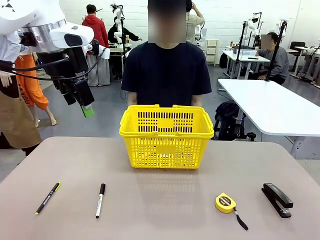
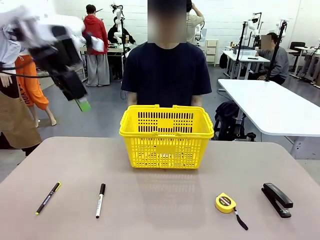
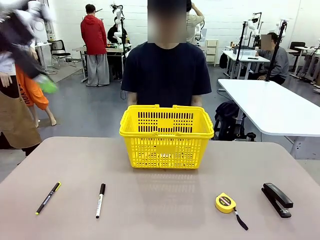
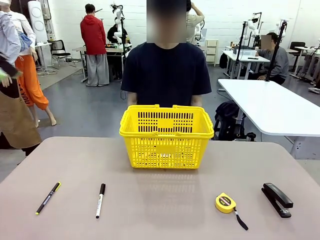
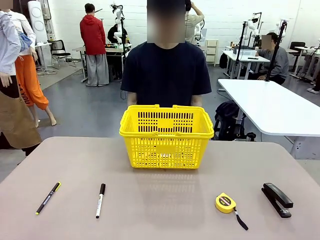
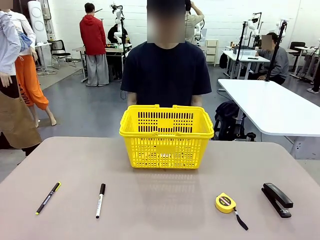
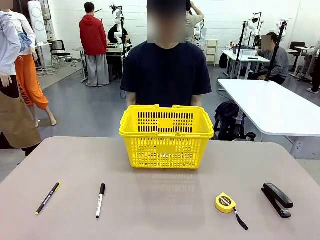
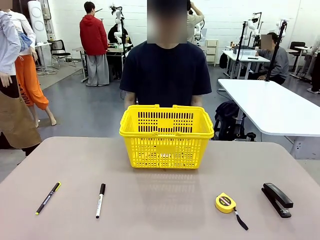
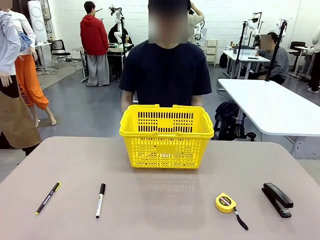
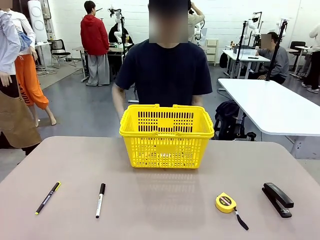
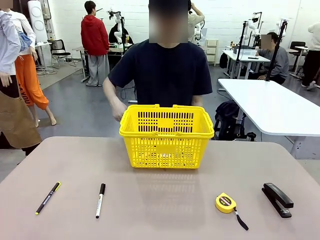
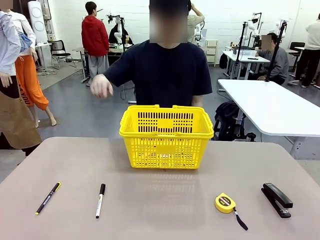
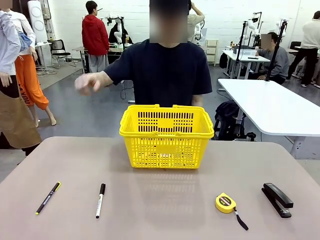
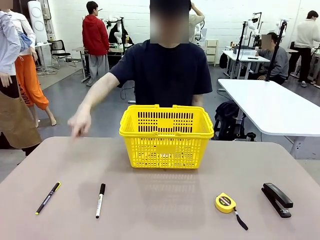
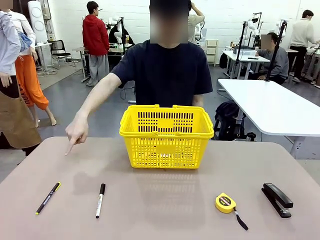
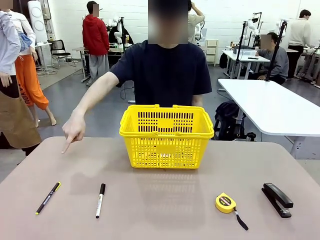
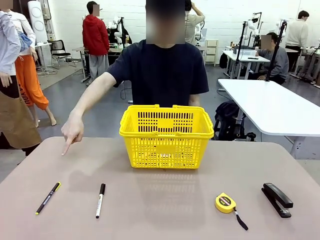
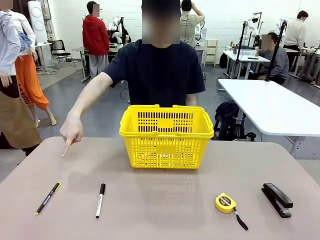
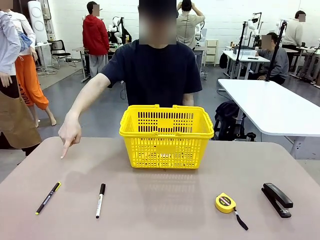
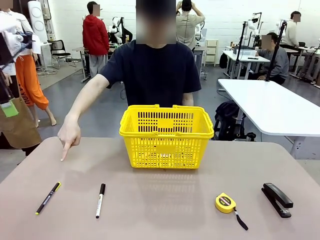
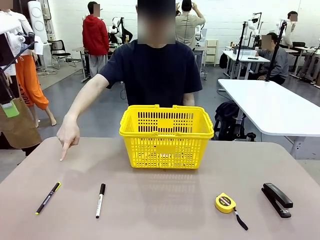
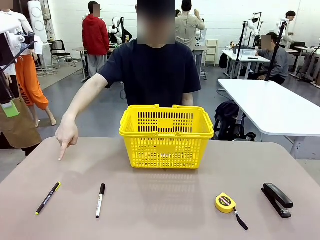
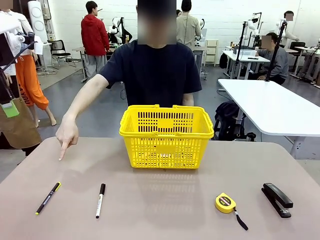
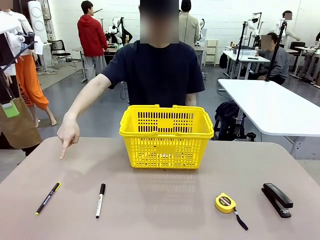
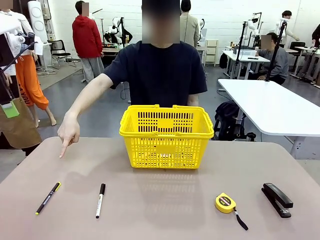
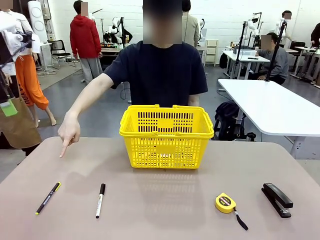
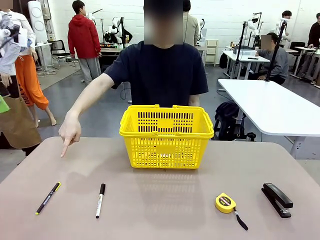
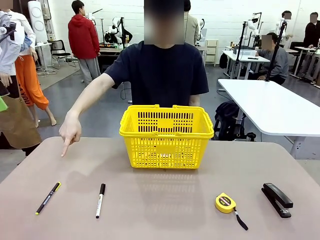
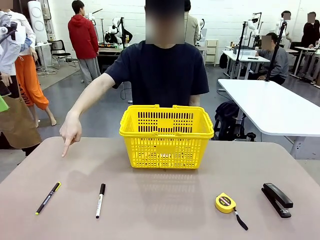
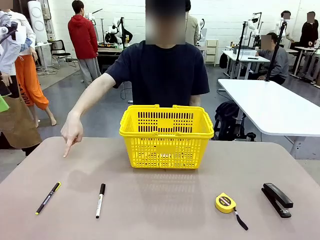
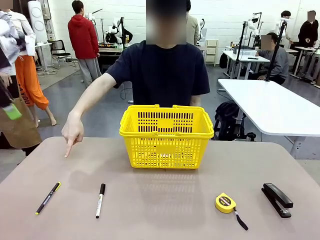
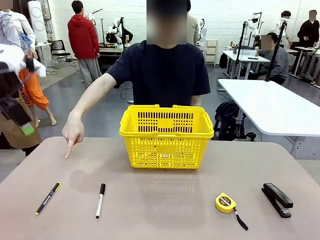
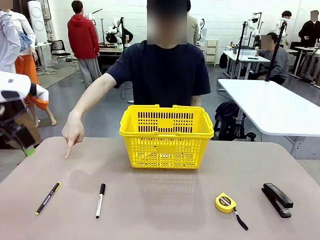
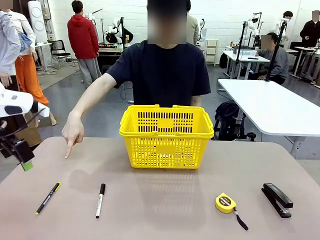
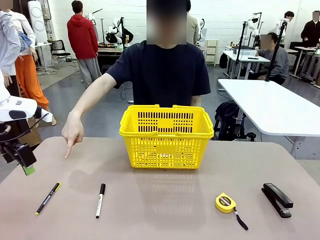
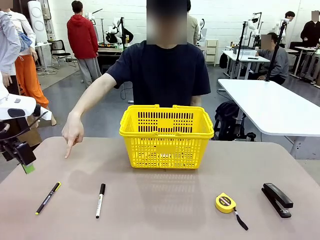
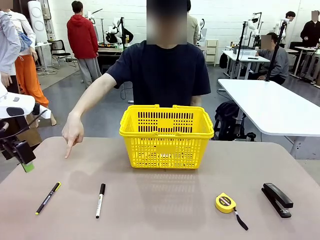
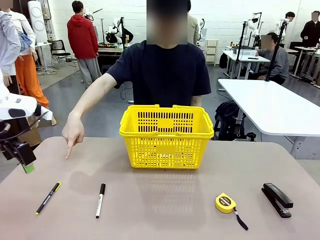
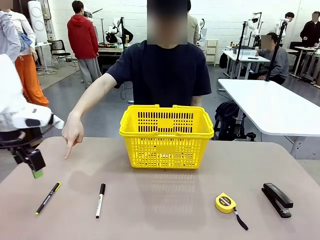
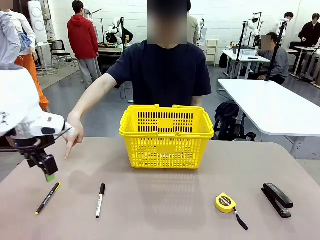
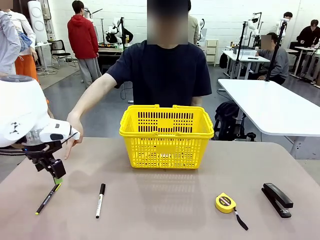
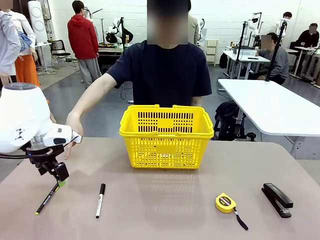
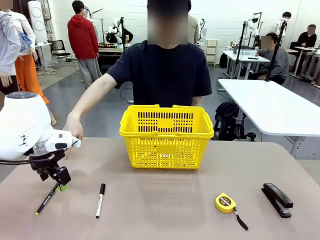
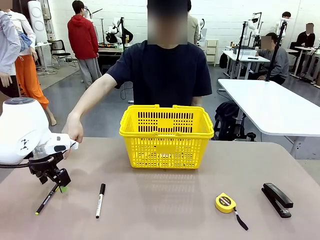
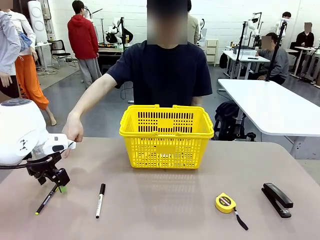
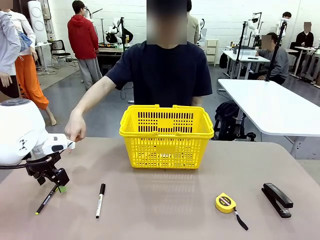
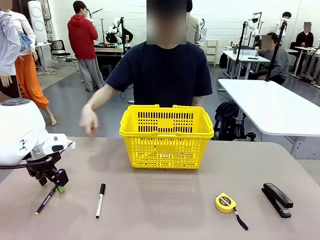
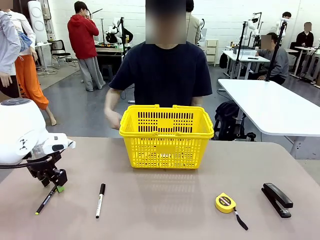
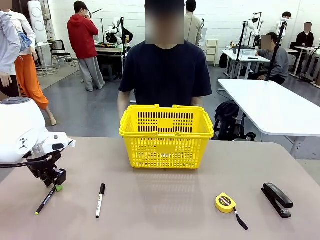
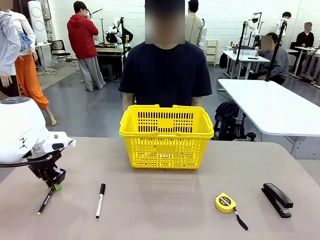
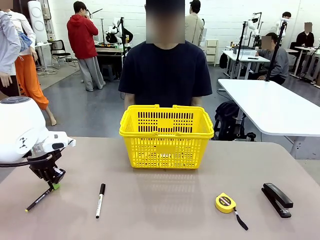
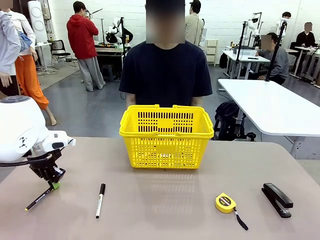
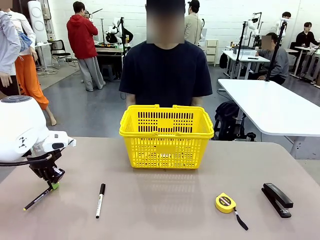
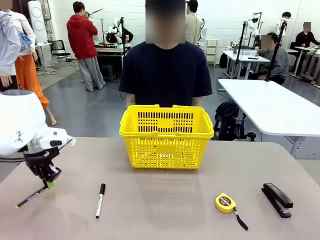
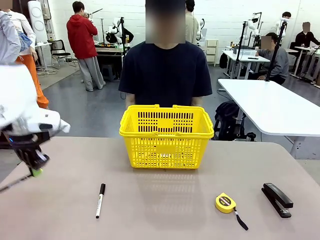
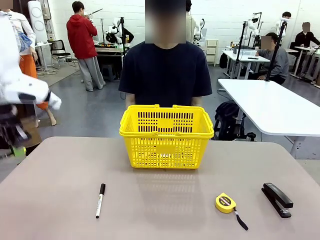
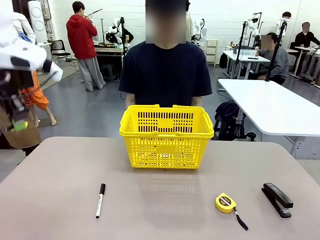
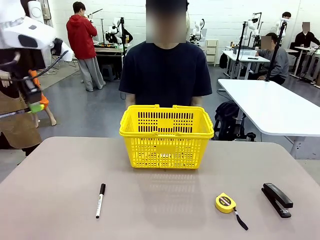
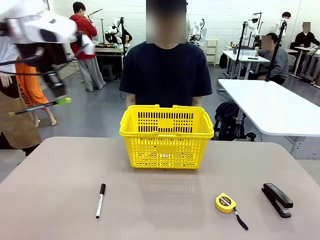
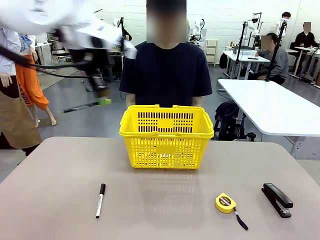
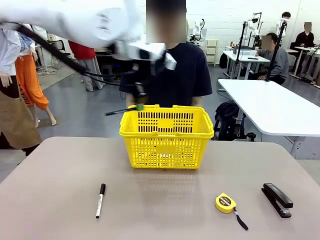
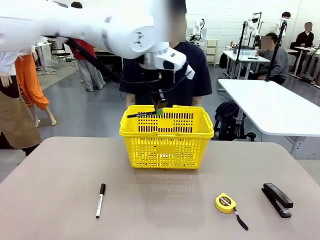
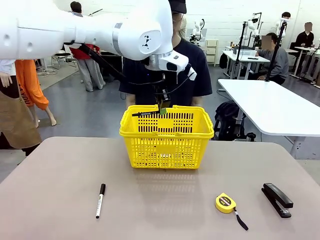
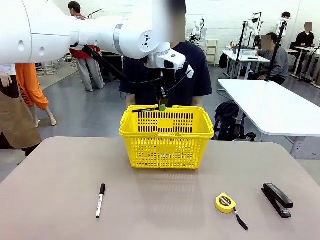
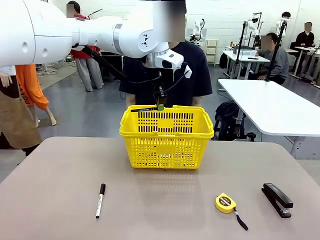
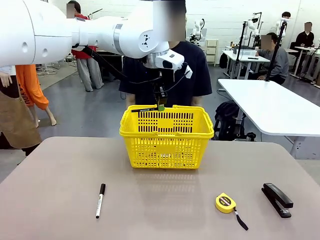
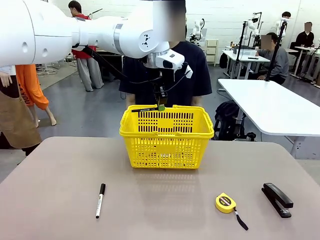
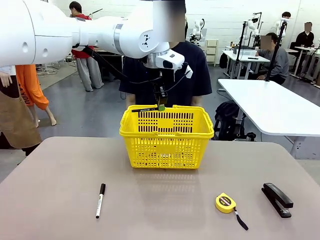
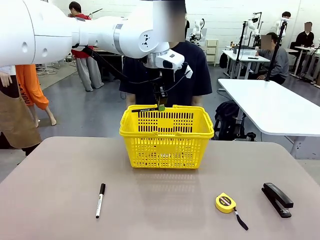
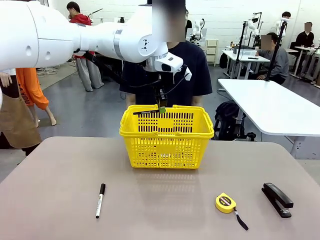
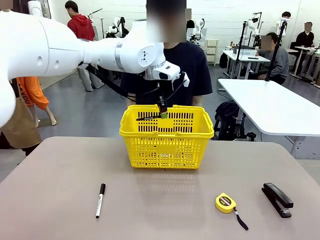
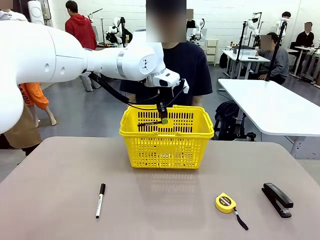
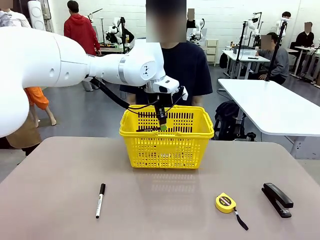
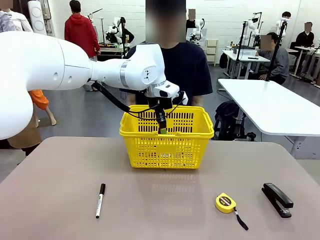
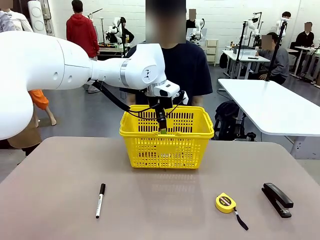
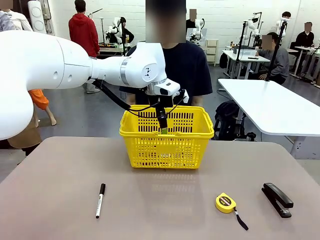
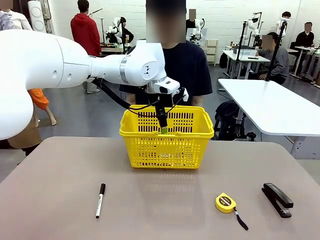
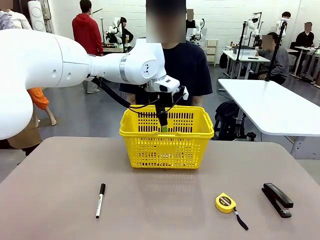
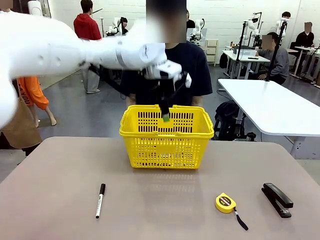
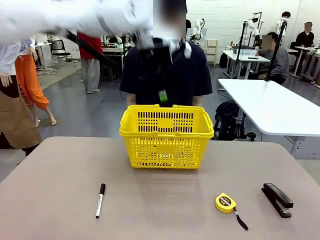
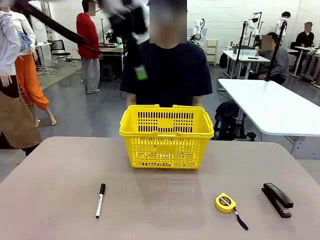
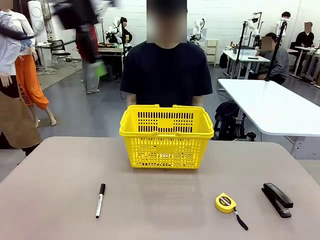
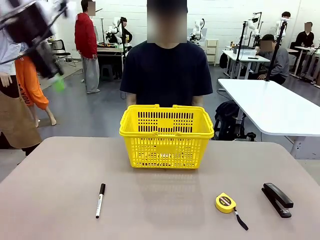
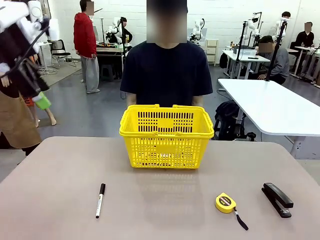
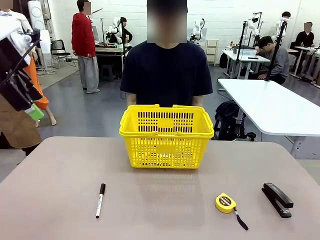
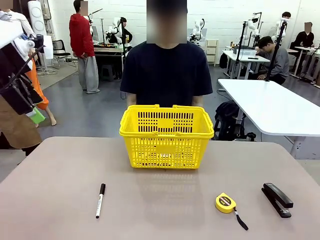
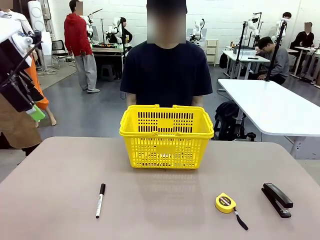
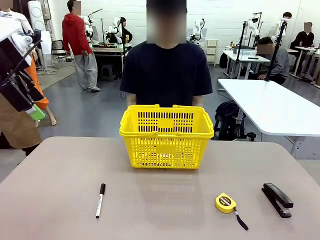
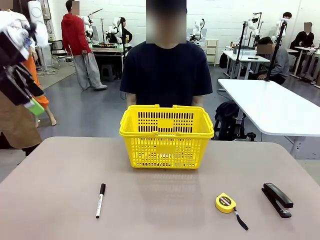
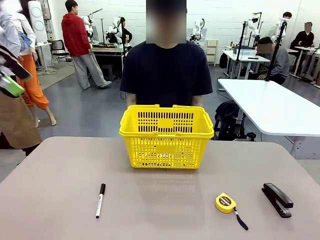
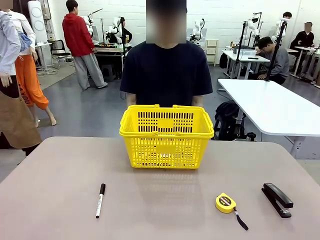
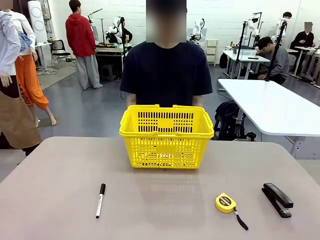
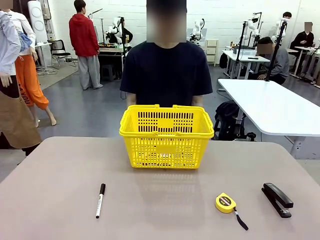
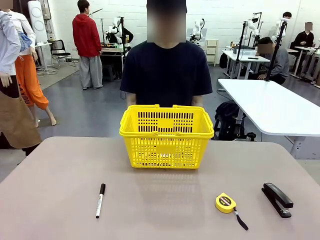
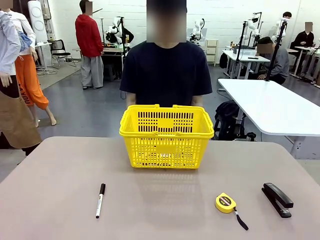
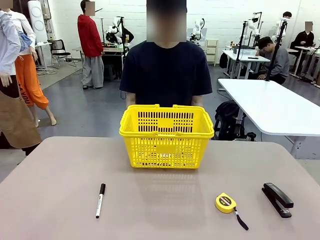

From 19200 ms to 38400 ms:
Task: Place the items the person wants into the basket.
Robot: Pick up the item the person points to and place it in the Market Basket.
